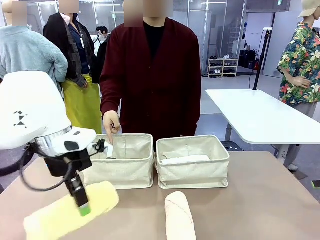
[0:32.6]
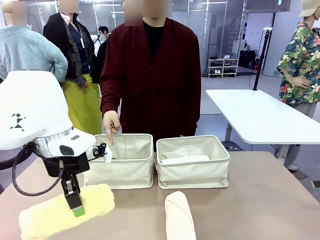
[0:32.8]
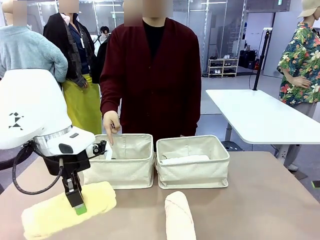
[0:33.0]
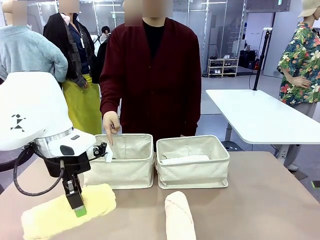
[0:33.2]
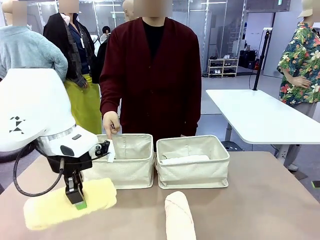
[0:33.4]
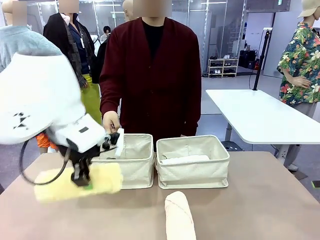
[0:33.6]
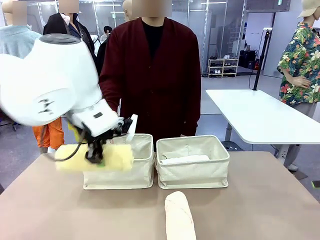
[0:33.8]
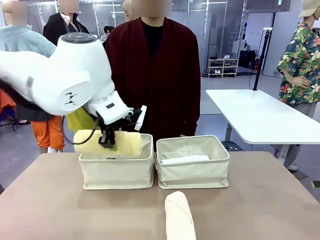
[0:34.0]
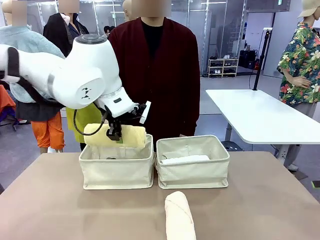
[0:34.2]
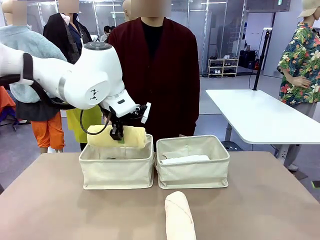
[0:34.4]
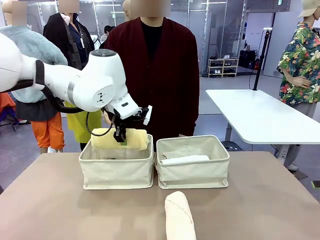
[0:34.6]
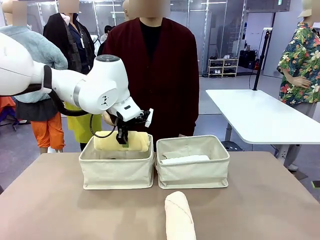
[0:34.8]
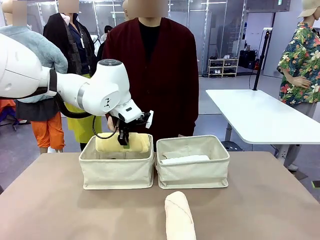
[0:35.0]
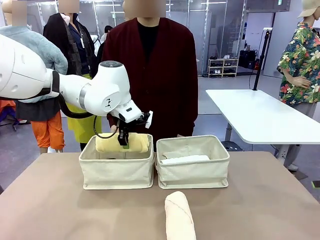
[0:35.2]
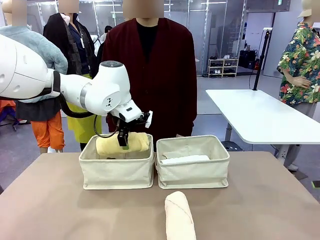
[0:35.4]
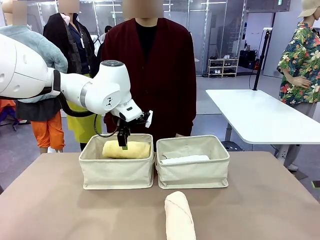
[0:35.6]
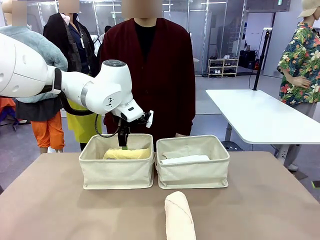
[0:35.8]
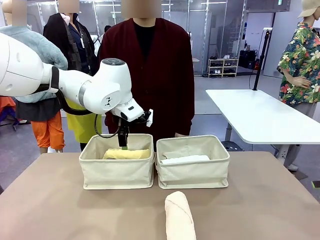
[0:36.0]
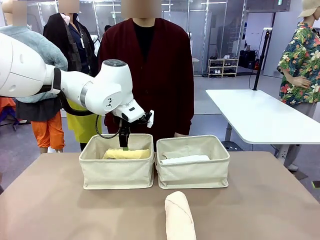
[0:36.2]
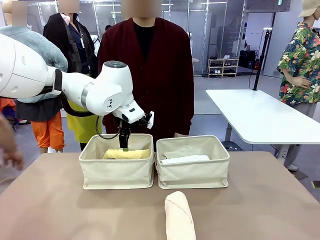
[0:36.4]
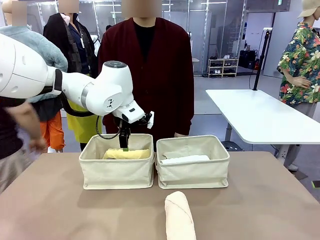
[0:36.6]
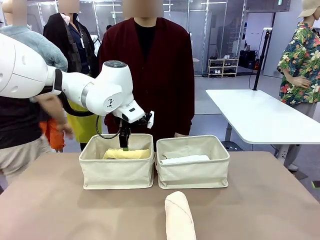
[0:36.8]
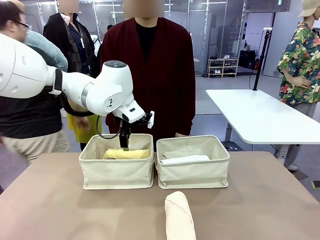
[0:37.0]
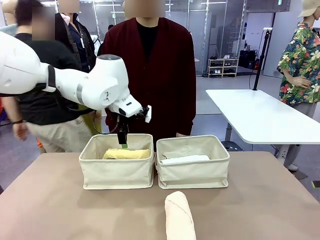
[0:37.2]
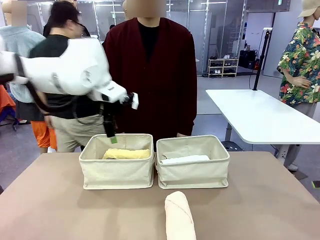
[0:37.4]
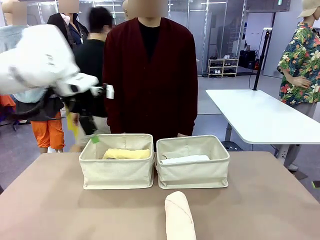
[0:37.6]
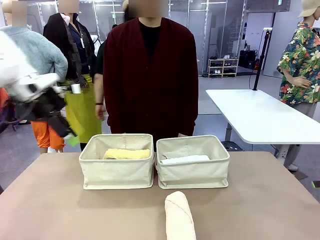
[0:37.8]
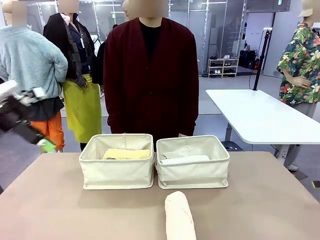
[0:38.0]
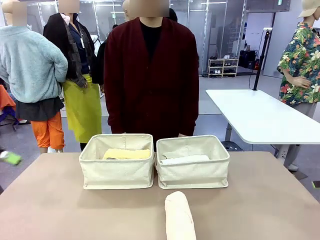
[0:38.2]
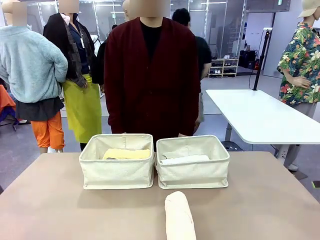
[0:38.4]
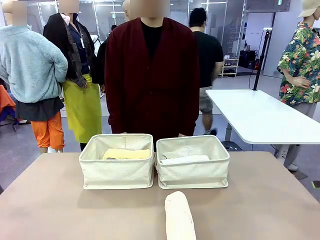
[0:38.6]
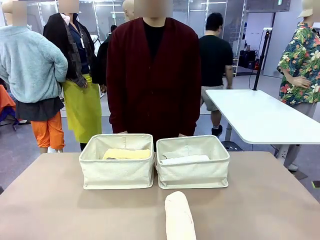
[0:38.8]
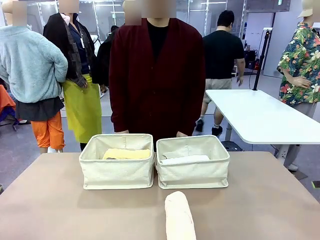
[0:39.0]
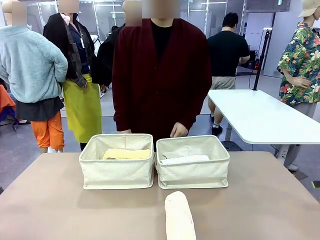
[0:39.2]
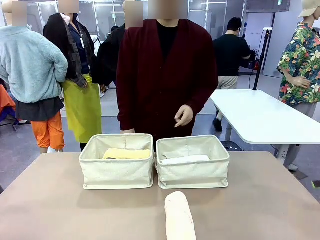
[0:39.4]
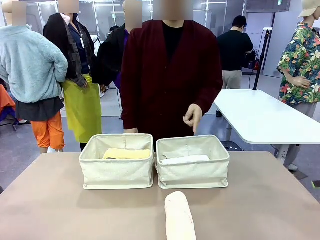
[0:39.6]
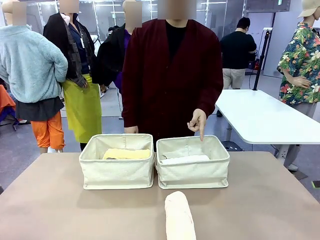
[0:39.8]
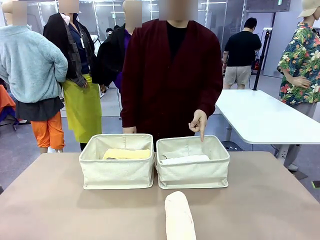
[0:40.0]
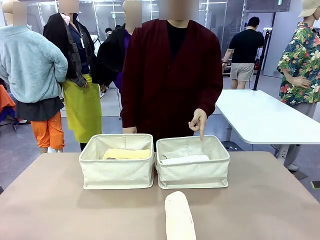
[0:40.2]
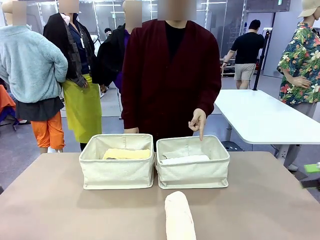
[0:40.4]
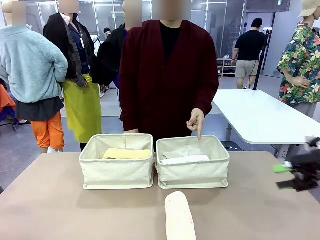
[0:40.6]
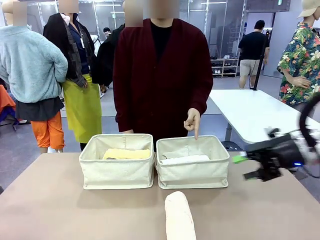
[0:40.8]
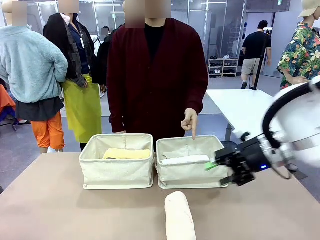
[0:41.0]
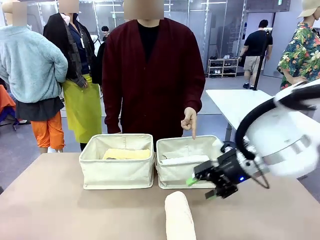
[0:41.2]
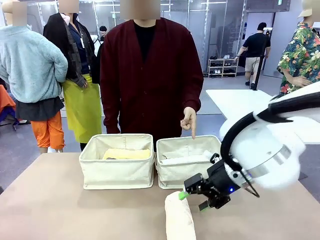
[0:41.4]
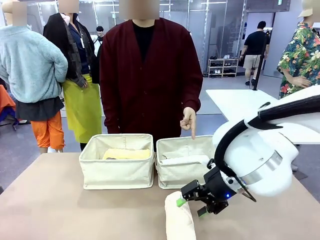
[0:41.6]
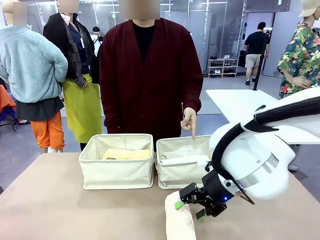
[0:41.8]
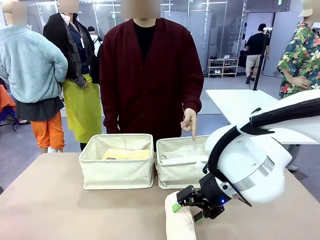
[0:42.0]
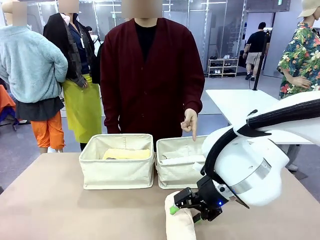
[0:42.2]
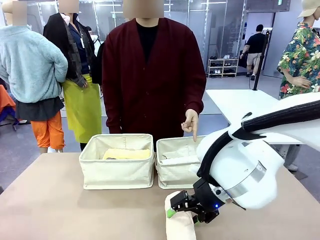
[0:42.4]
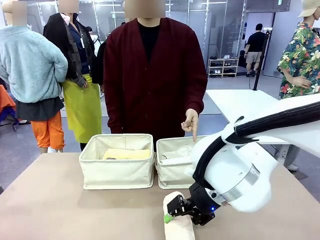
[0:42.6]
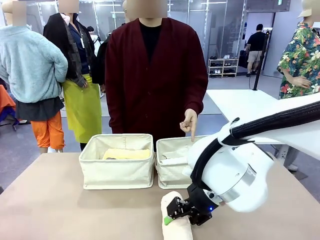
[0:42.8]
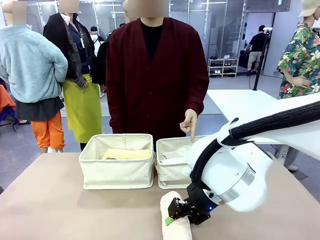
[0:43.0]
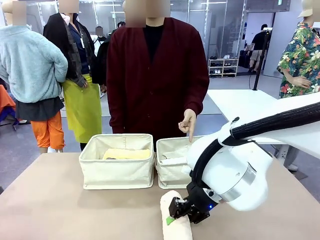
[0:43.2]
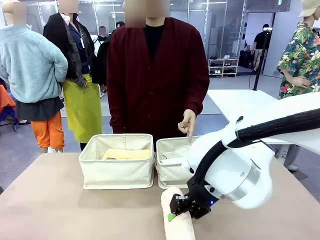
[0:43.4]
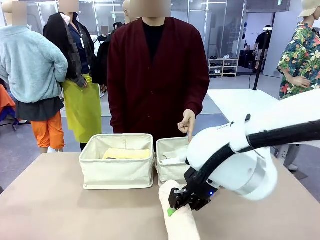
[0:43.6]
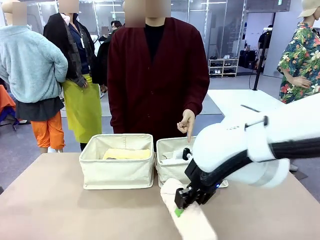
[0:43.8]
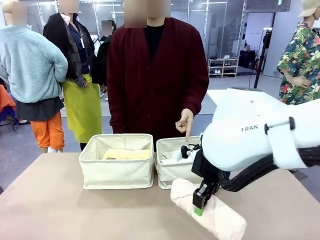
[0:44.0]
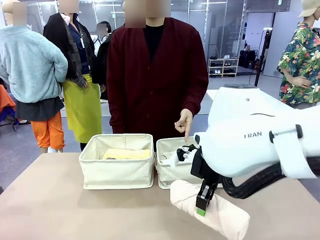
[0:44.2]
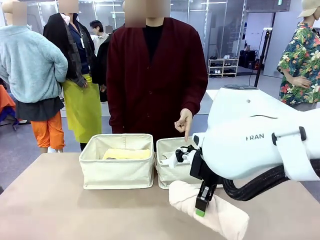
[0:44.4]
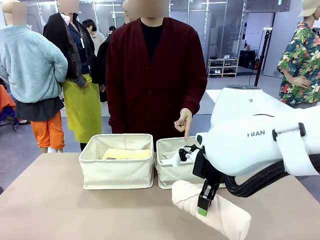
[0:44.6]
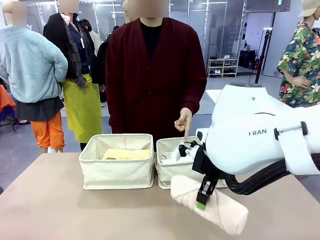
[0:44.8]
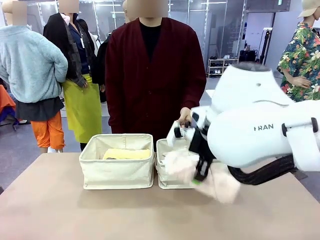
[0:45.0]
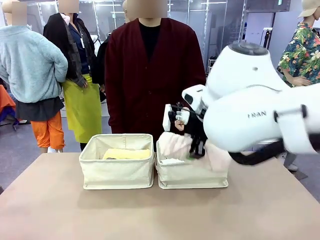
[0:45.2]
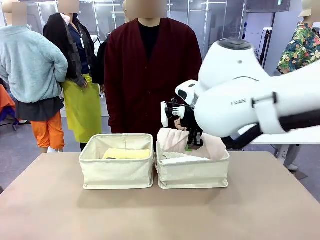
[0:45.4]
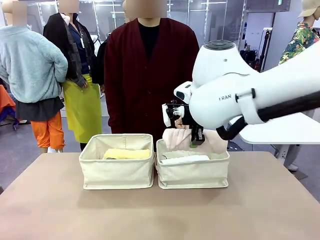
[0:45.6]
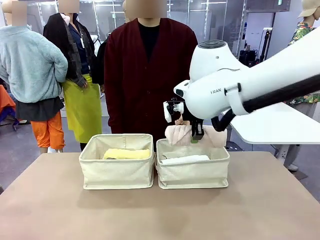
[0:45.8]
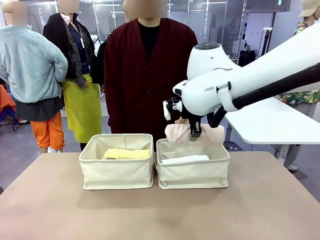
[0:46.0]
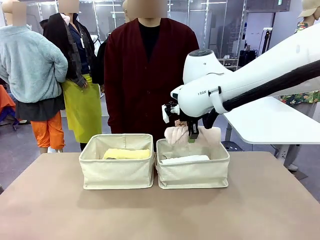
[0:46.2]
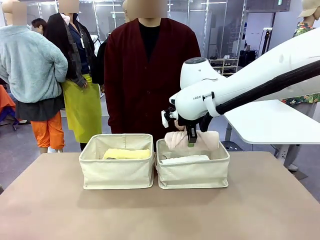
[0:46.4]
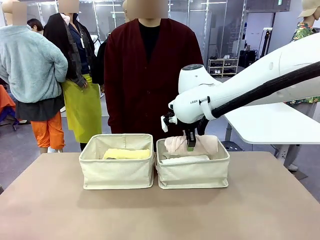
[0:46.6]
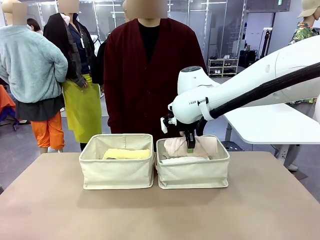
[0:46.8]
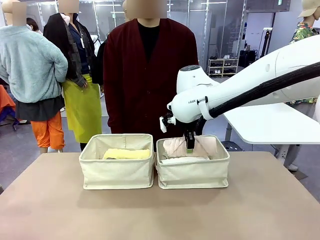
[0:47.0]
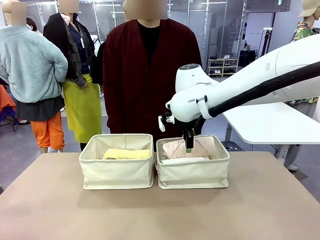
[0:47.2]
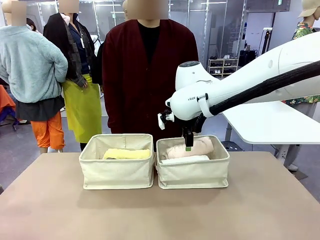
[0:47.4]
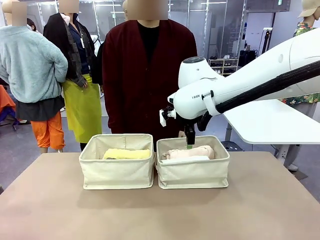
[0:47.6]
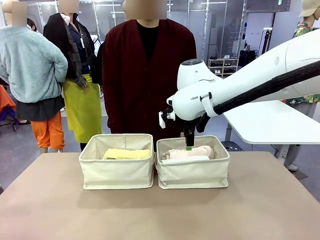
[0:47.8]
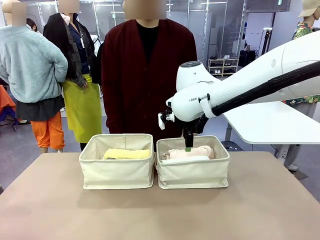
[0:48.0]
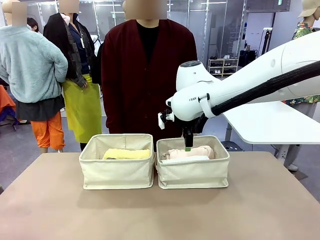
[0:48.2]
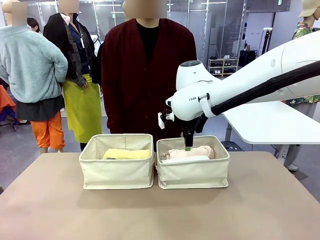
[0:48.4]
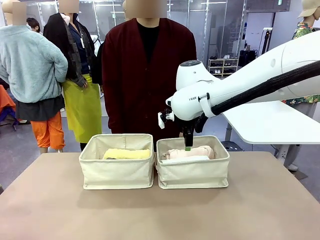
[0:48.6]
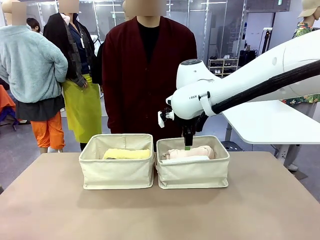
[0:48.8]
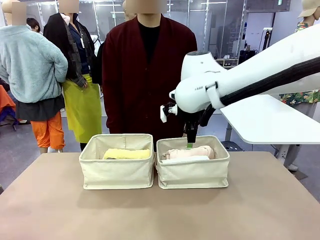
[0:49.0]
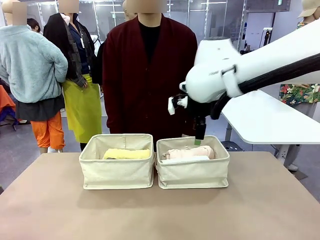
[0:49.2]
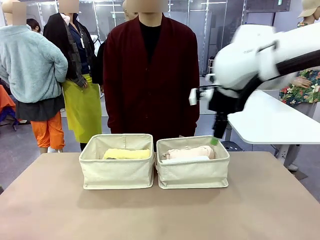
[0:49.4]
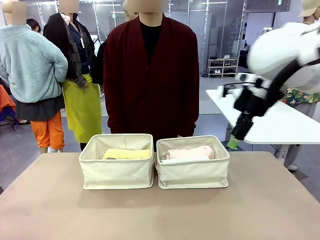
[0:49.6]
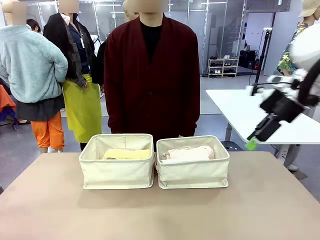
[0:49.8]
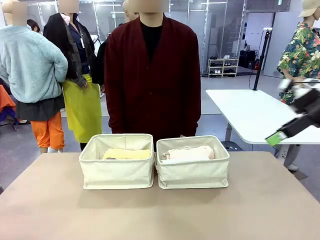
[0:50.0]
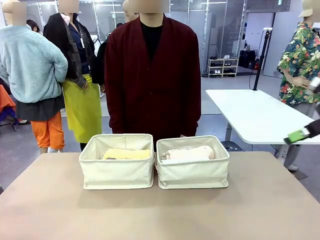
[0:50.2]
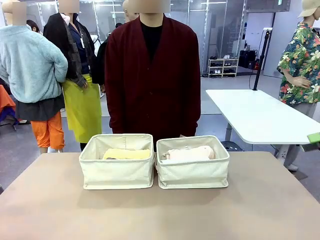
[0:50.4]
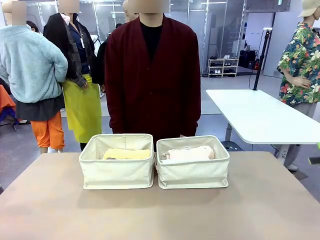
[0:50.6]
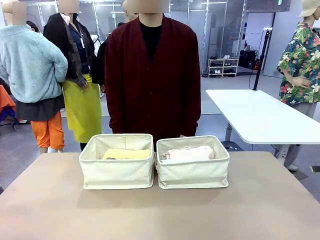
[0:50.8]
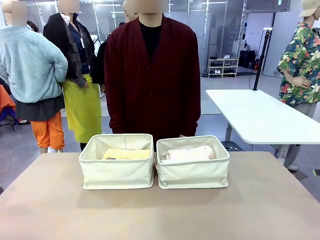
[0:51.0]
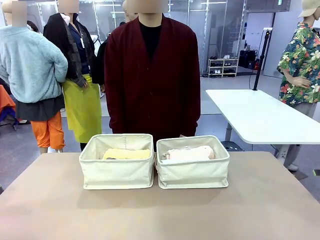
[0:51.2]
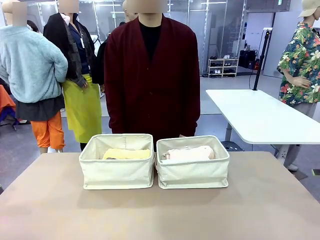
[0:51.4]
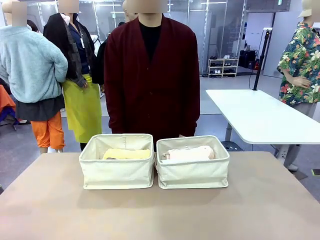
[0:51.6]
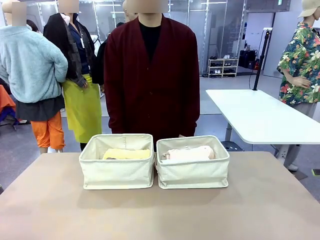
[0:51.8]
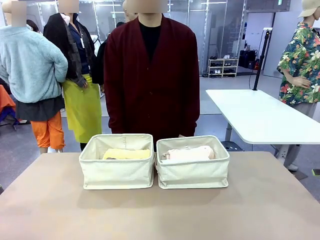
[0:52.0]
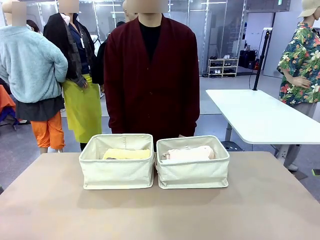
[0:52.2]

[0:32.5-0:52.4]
Task: Divide the towels into two baskets.
Robot: Pick up one hotel-folded towel from the bottom of the table and place it in the Fabric basket indicated by the person.
